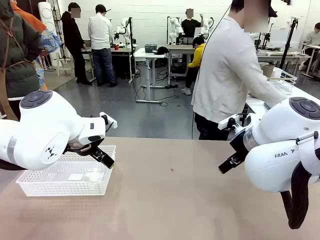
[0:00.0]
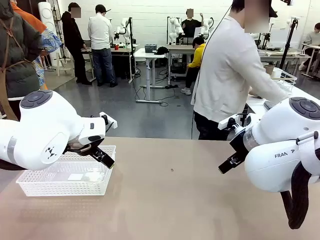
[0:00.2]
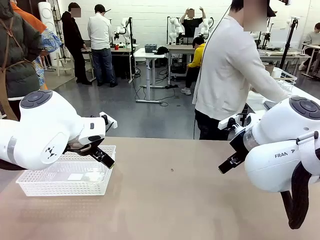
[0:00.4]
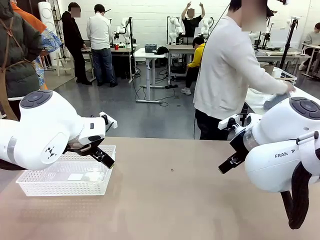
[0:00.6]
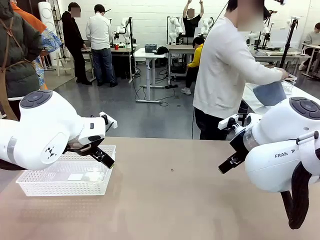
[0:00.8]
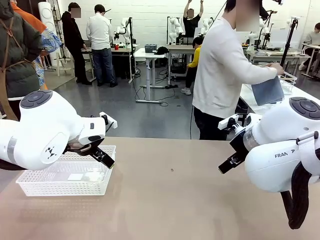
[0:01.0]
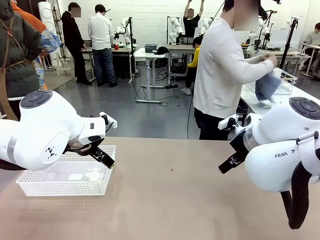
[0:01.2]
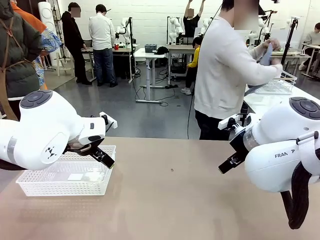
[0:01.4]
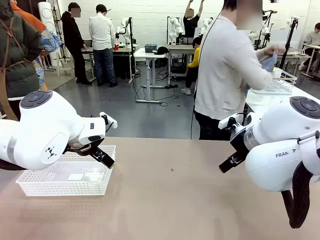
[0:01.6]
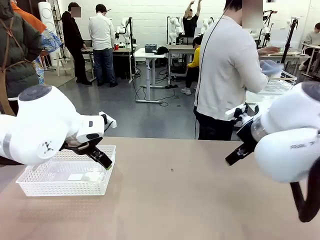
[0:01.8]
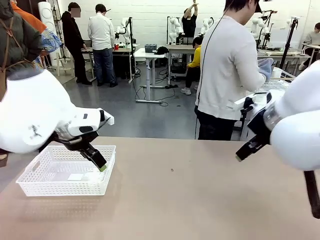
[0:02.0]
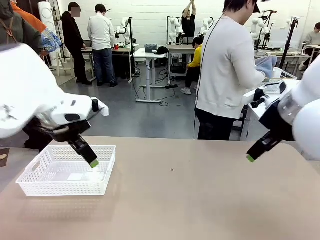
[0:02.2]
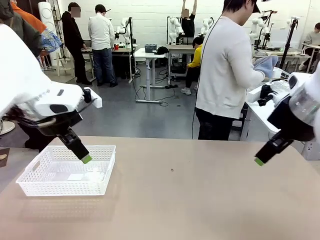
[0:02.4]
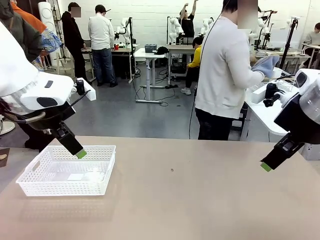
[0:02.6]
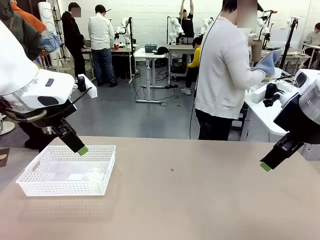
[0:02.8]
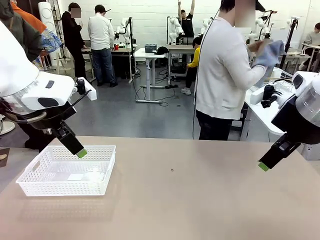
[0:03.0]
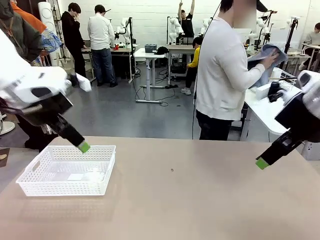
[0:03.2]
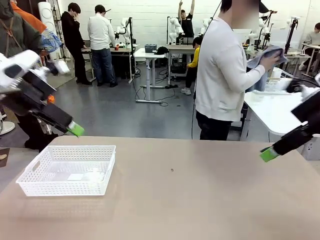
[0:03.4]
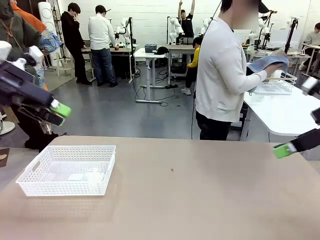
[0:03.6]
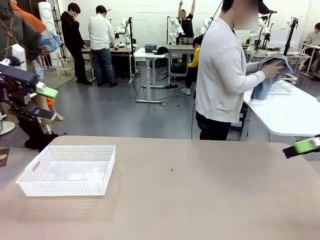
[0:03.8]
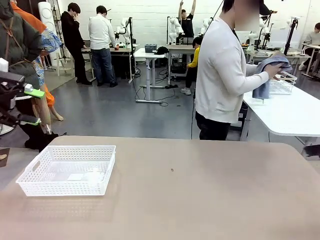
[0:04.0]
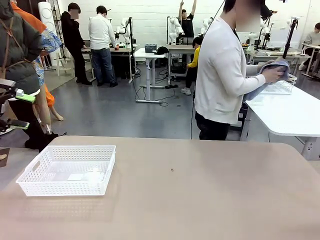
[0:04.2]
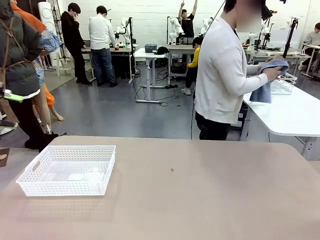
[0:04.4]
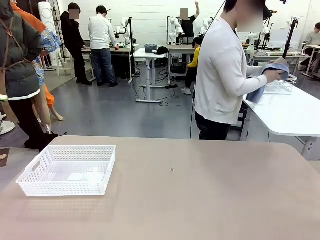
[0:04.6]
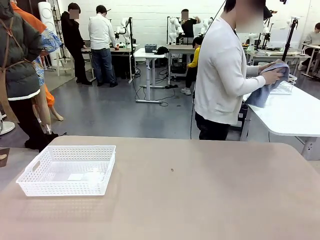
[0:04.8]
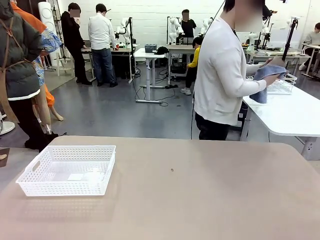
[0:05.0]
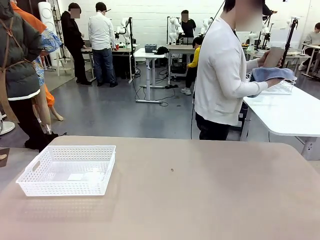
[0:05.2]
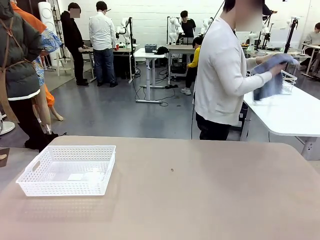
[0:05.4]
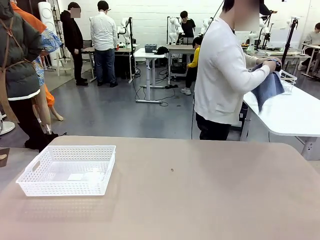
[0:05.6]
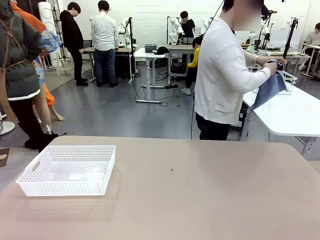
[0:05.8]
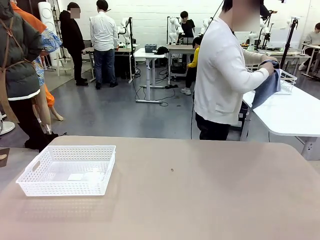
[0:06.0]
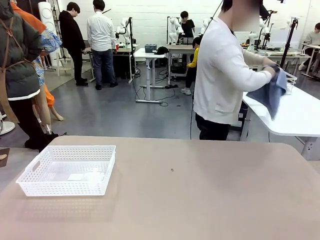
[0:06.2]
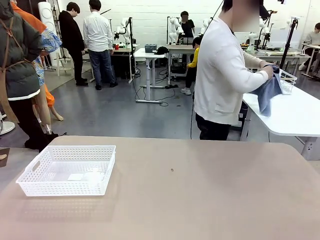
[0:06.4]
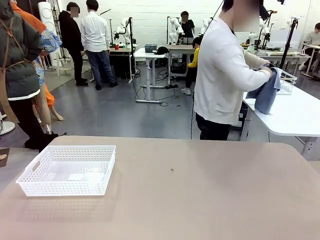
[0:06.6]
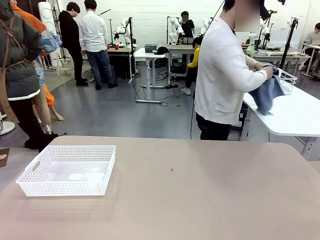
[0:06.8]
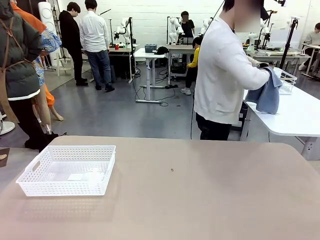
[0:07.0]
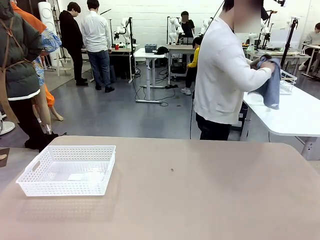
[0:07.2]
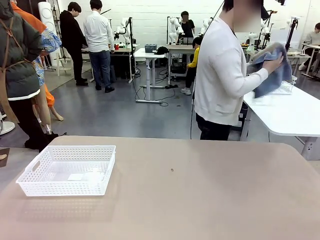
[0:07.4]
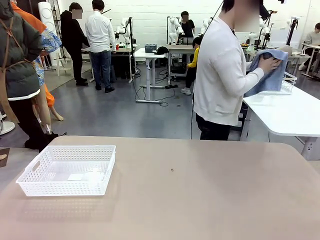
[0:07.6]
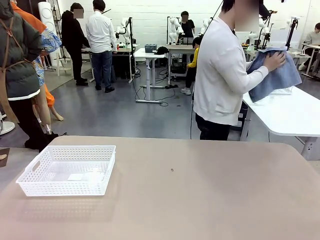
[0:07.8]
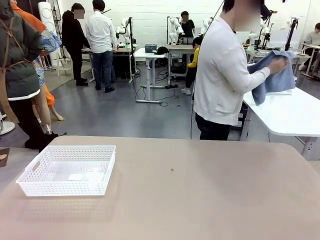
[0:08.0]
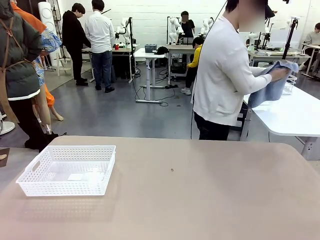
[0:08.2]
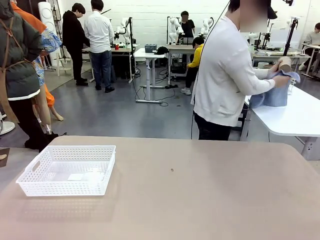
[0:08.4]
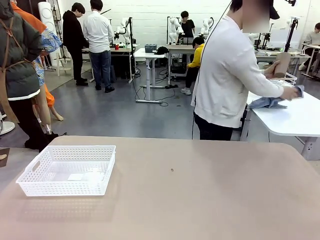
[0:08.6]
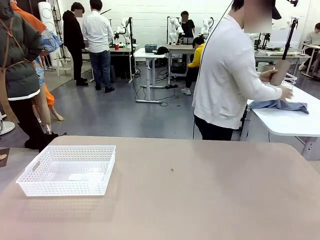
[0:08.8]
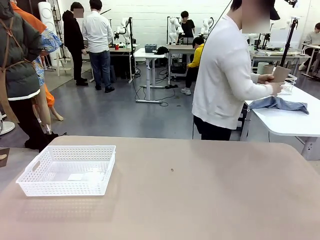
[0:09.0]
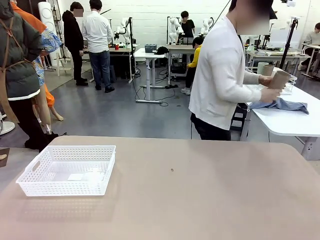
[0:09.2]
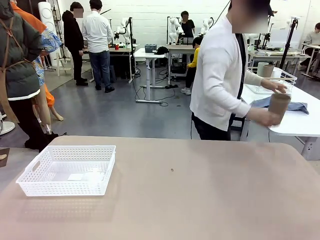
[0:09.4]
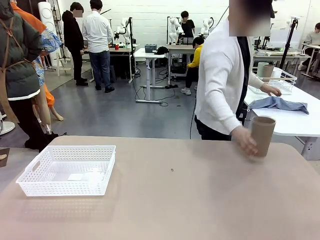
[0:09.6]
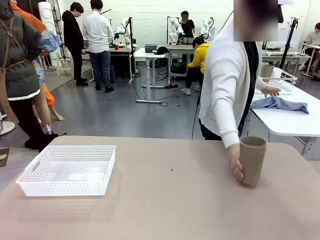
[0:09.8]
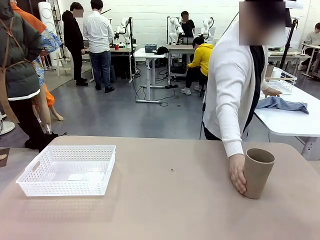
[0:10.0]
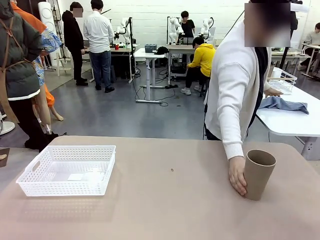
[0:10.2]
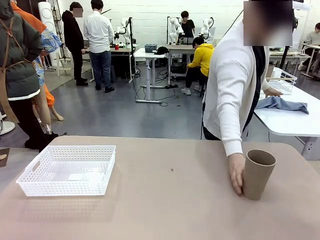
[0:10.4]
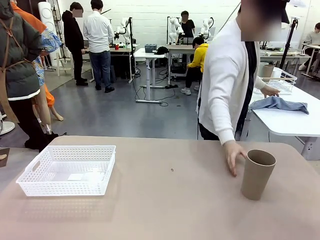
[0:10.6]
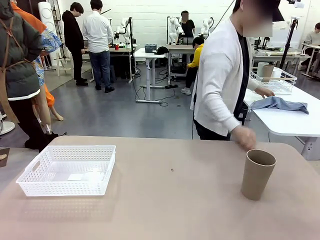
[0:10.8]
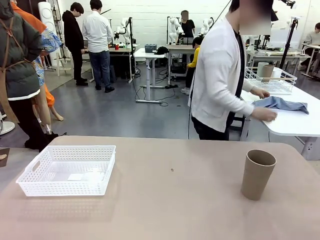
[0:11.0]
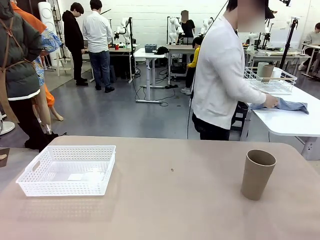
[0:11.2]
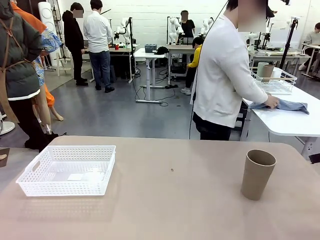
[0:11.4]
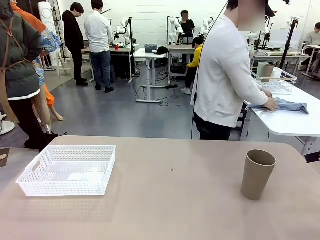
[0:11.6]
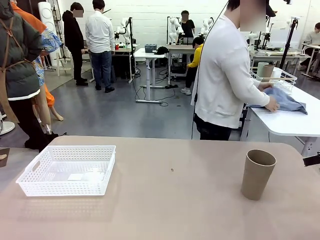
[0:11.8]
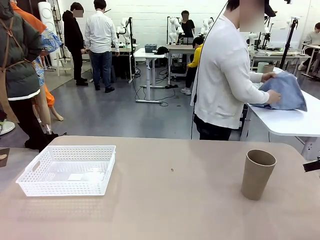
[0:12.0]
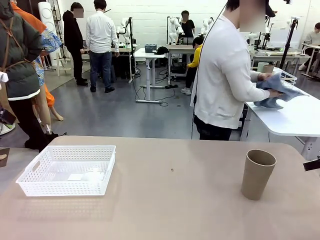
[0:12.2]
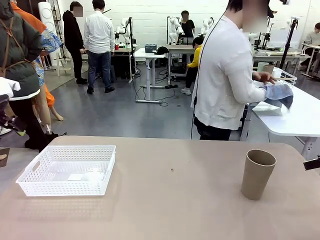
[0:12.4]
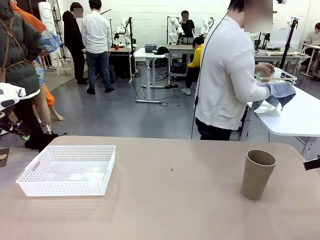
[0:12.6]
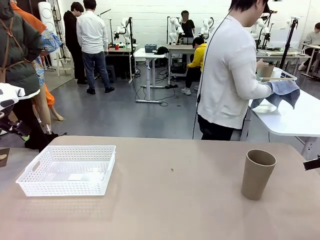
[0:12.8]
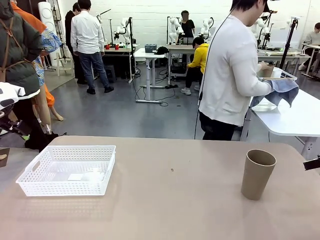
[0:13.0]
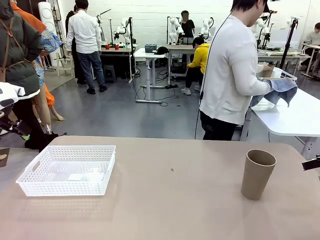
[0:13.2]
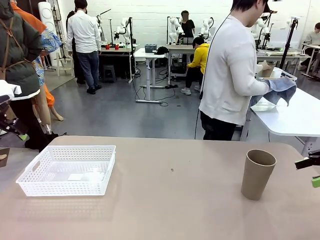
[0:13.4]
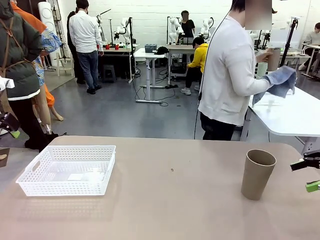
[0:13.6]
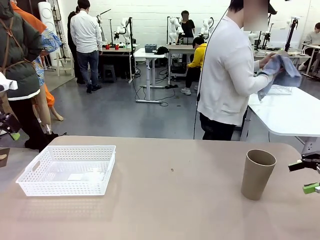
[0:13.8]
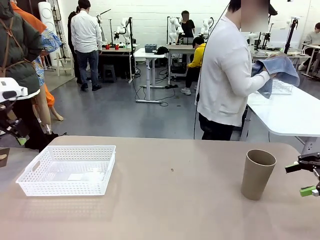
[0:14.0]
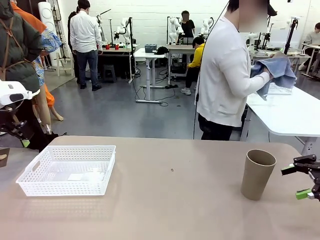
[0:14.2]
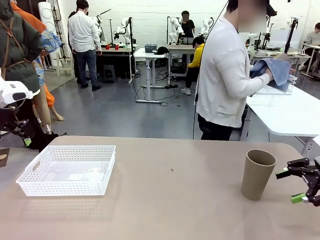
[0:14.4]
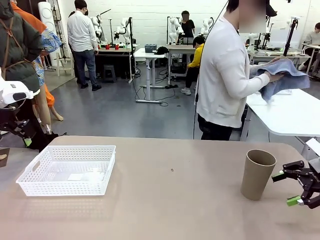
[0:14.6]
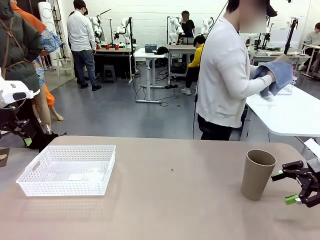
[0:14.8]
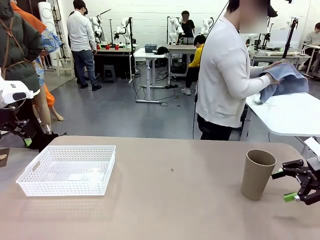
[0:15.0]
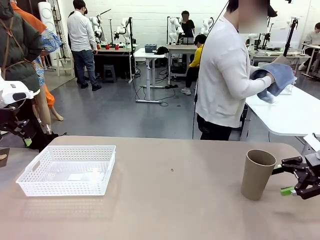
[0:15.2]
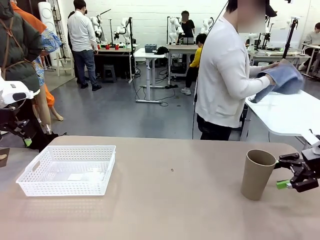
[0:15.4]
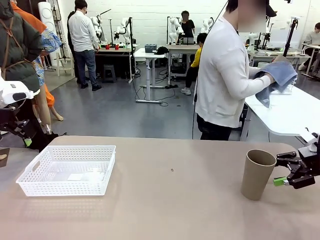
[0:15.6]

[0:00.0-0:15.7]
Task: Clean and organize the cups into the basket.
Robot: Pick up the Organizing basket and move it to the center of the table, then pick up the Reusable plastic cup from the right side of the table and place it inside the Organizing basket.
Person: Picks up a cup and a towel, cleans the cup with the towel, and places it on the left side of the robot table.
